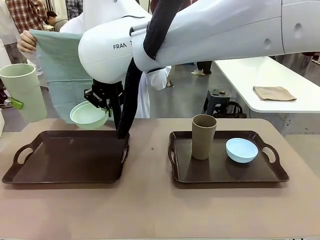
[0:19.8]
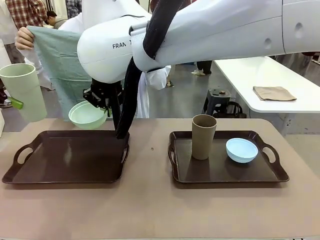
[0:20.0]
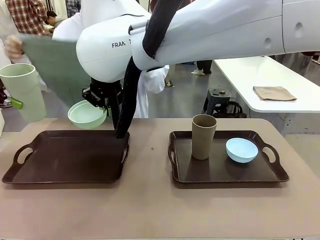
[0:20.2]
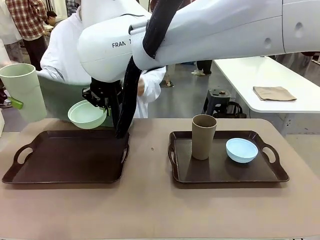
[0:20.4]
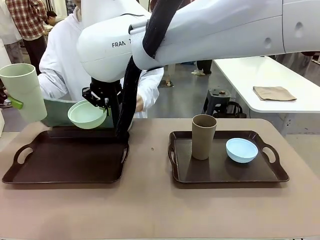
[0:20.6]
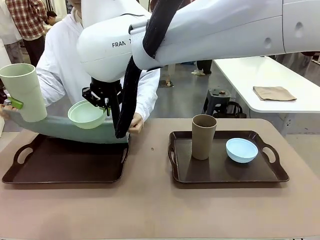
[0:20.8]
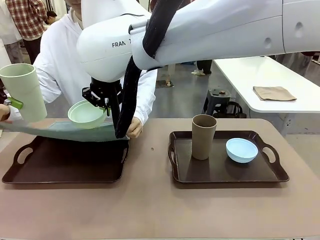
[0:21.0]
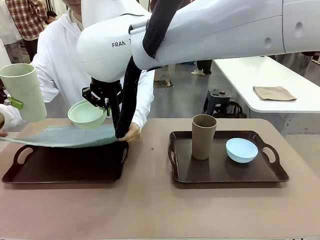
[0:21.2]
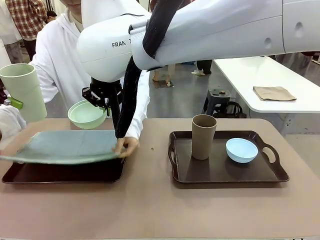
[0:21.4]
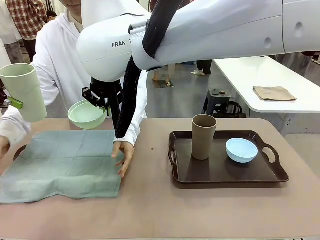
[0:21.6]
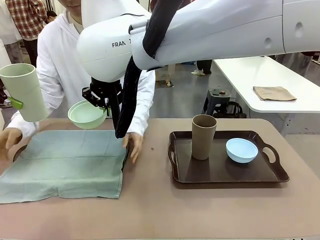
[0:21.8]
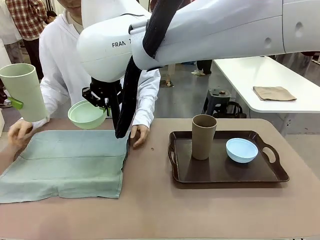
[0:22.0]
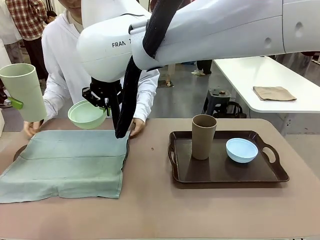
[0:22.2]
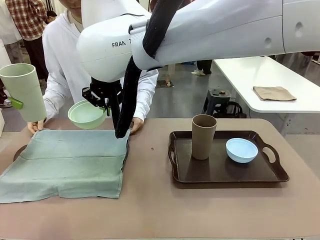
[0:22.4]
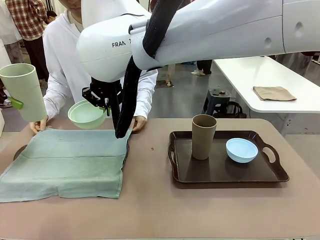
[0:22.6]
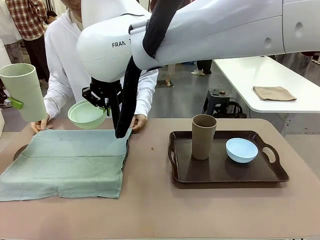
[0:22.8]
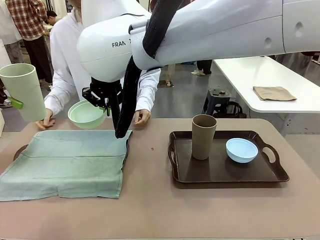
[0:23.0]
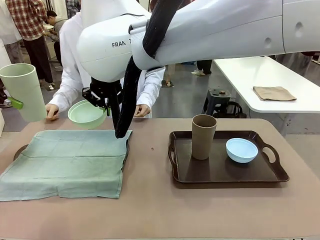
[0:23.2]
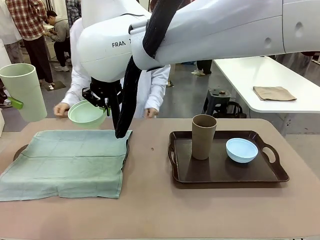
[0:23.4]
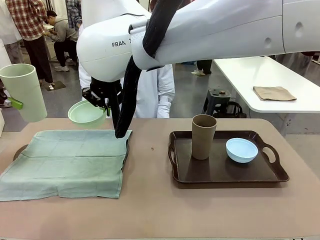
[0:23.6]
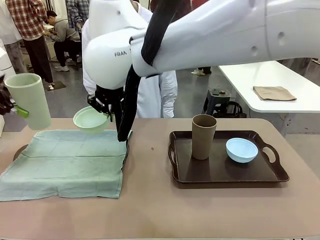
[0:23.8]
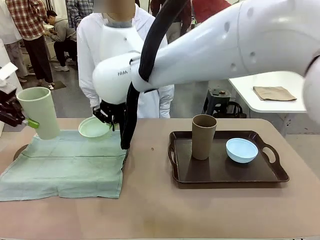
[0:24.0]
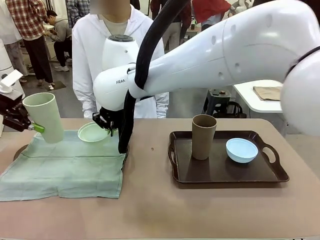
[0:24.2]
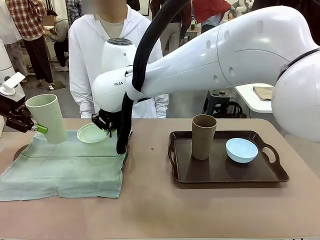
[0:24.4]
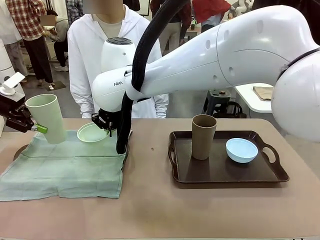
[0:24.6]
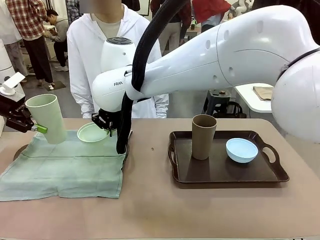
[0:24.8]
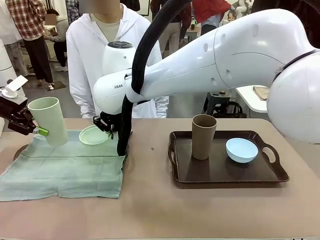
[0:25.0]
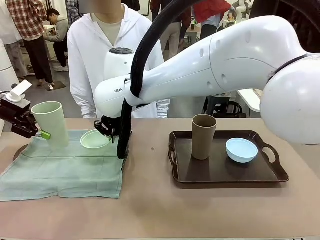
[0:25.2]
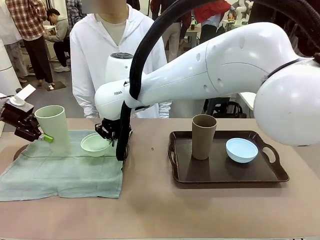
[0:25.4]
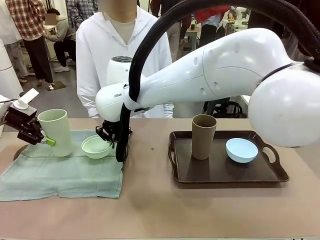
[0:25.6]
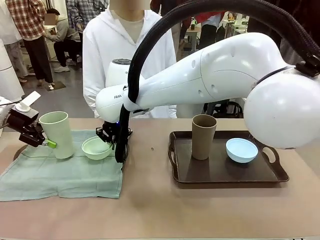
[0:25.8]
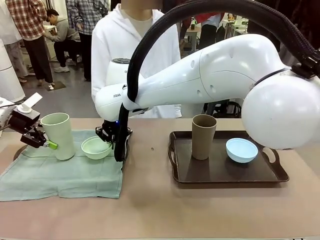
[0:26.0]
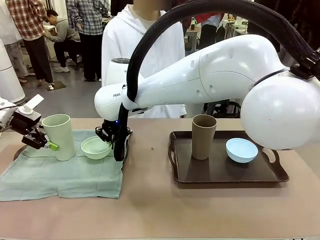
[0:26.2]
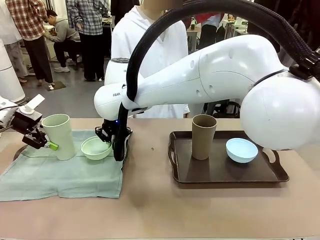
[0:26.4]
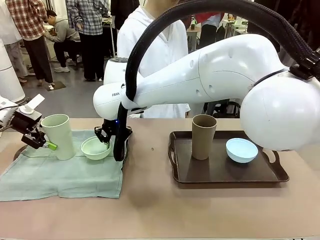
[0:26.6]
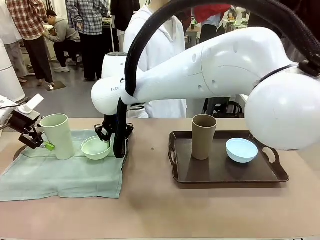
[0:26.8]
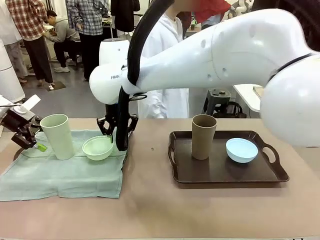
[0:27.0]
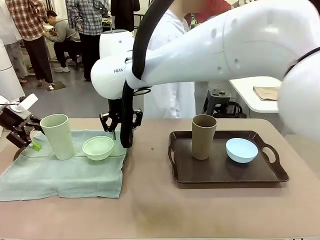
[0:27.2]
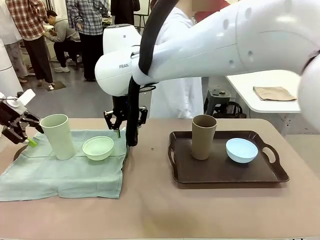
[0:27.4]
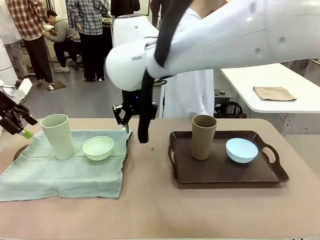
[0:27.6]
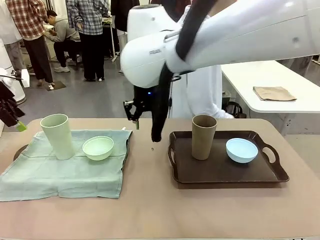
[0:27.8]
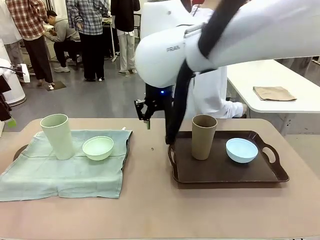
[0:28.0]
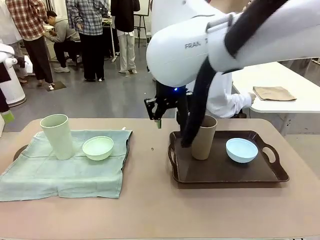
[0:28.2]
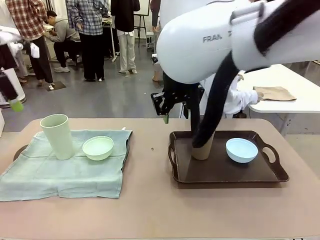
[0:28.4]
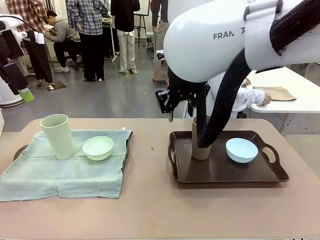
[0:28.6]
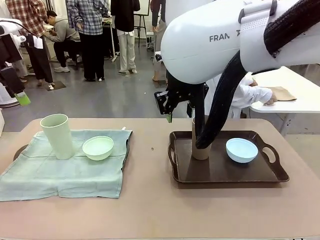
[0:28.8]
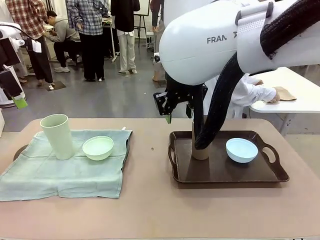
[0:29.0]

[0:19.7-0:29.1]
Robot: Place the Picnic Bowl and Reusable plastic cup back onto the Handle tray in front of the human's position.
Person: The human returns to the human table to pick up another napkin and walks to the robot table to stand in front of the tray without a napkin.

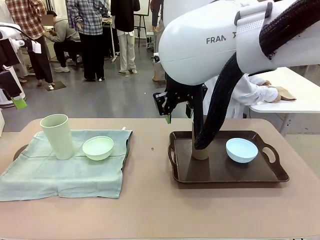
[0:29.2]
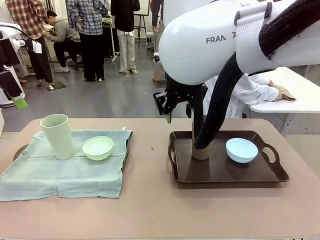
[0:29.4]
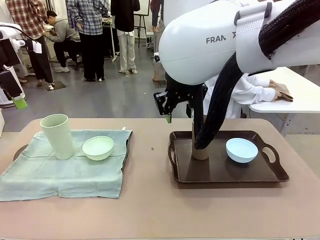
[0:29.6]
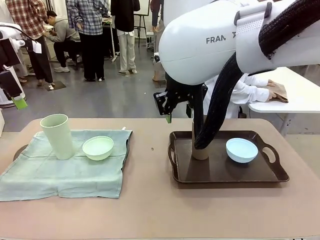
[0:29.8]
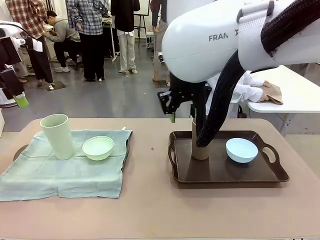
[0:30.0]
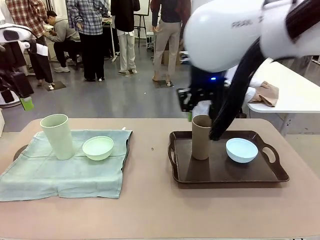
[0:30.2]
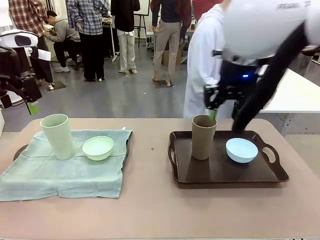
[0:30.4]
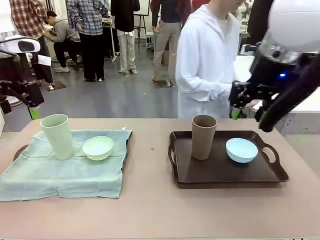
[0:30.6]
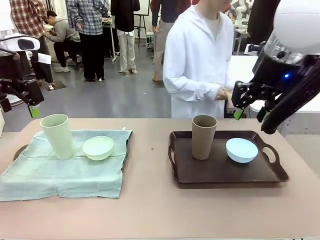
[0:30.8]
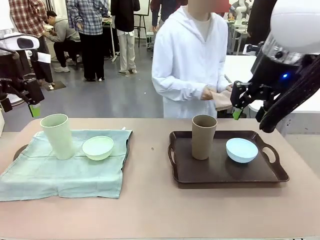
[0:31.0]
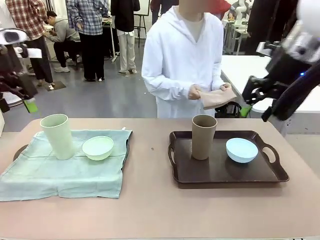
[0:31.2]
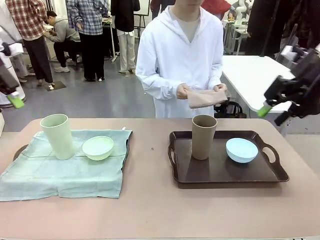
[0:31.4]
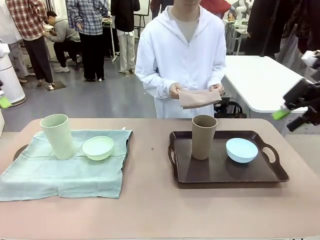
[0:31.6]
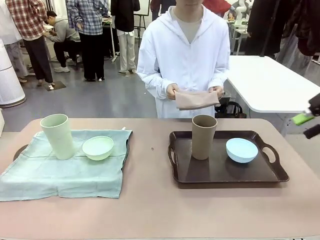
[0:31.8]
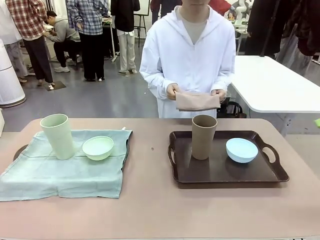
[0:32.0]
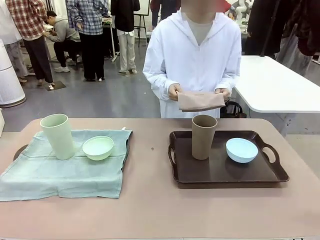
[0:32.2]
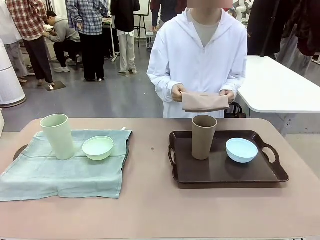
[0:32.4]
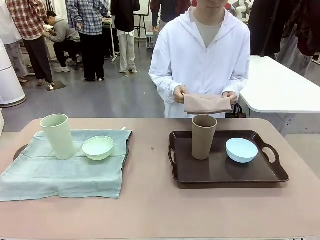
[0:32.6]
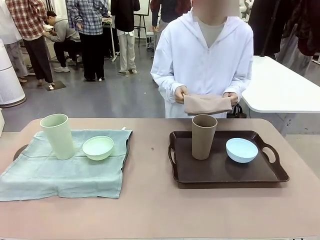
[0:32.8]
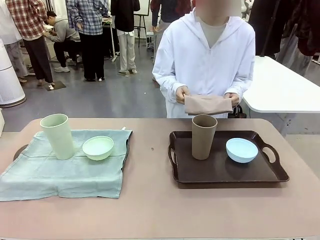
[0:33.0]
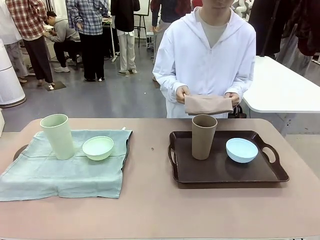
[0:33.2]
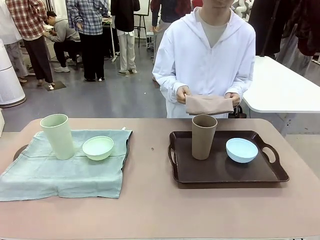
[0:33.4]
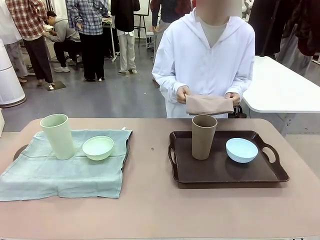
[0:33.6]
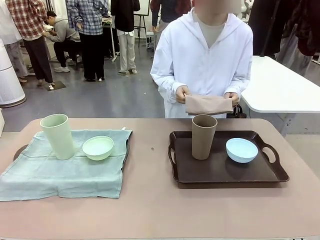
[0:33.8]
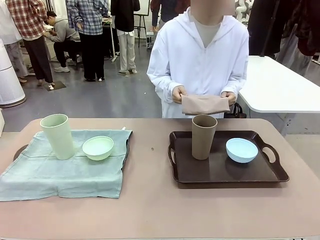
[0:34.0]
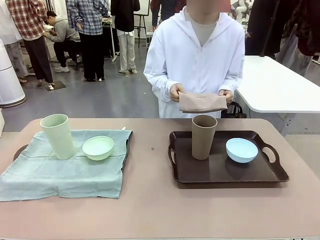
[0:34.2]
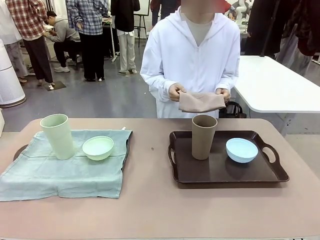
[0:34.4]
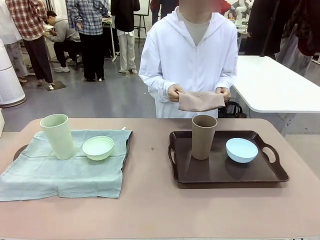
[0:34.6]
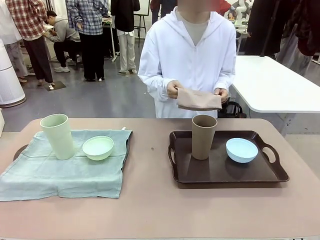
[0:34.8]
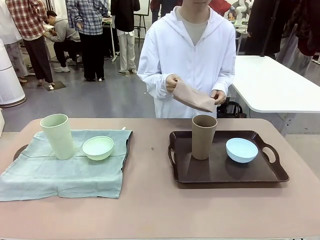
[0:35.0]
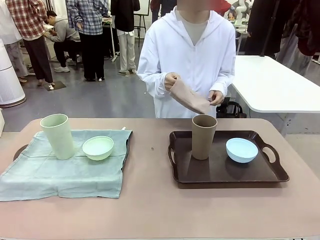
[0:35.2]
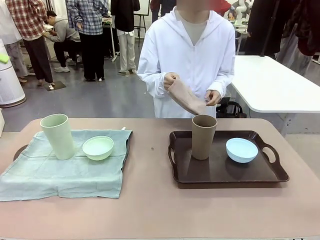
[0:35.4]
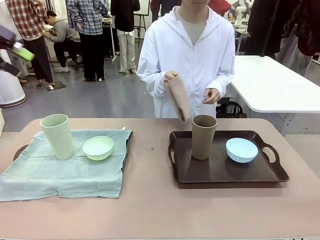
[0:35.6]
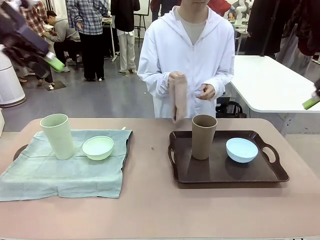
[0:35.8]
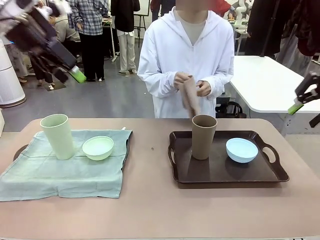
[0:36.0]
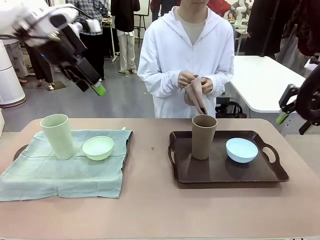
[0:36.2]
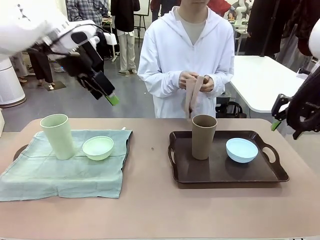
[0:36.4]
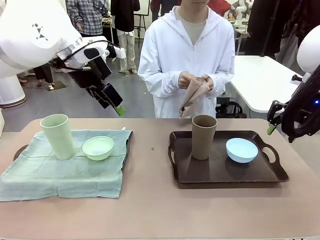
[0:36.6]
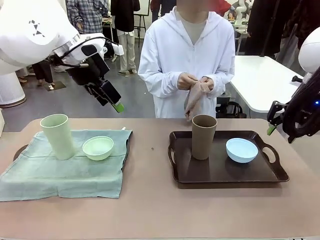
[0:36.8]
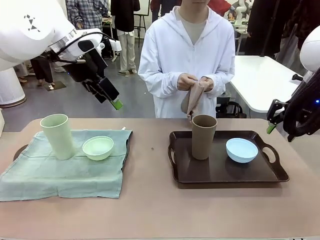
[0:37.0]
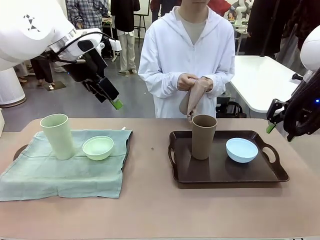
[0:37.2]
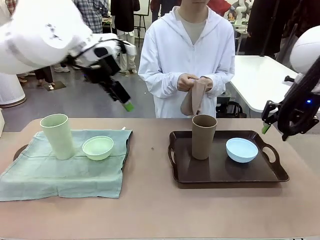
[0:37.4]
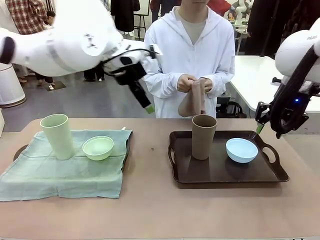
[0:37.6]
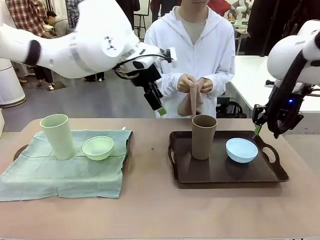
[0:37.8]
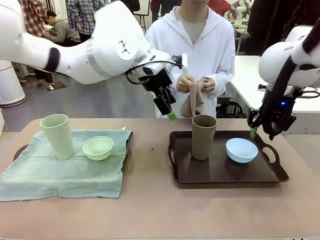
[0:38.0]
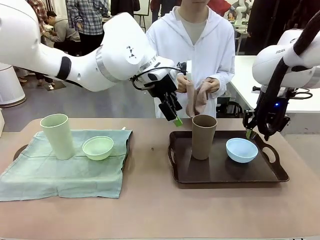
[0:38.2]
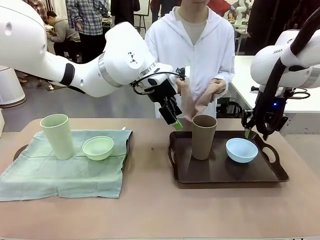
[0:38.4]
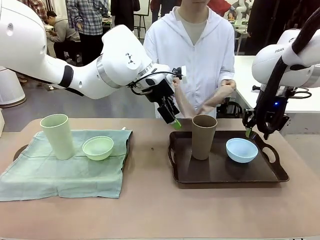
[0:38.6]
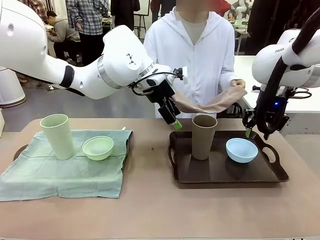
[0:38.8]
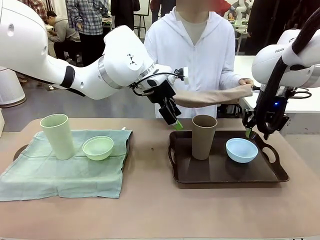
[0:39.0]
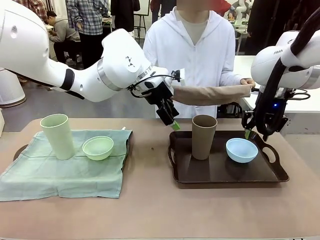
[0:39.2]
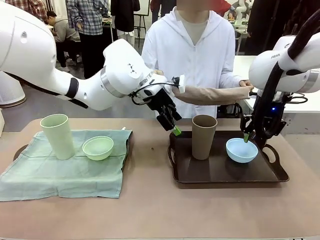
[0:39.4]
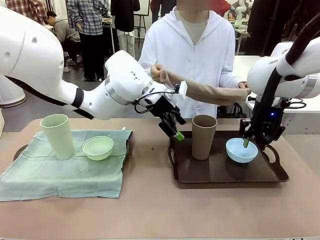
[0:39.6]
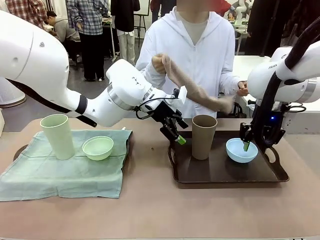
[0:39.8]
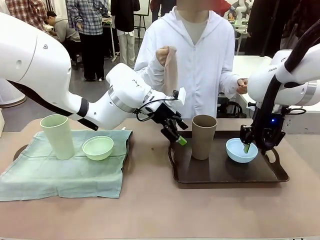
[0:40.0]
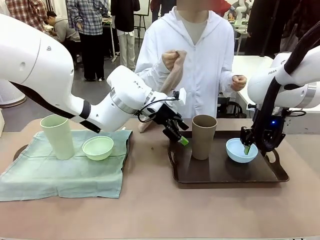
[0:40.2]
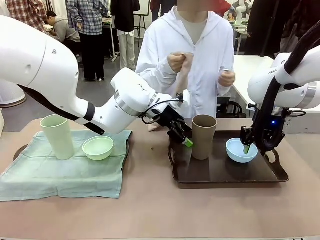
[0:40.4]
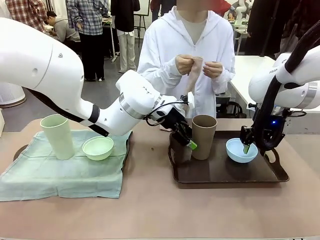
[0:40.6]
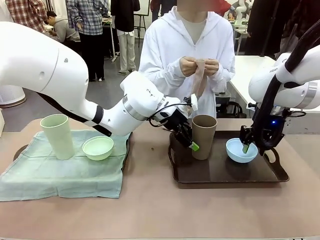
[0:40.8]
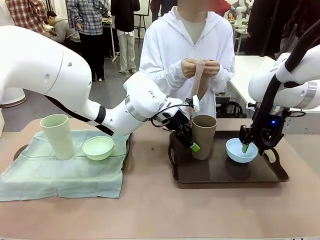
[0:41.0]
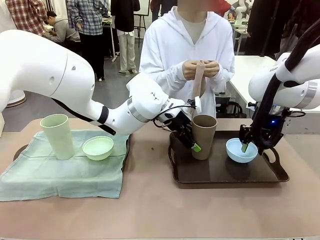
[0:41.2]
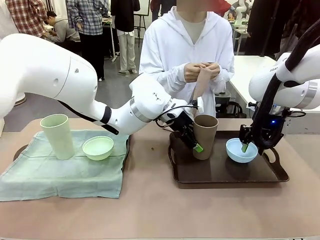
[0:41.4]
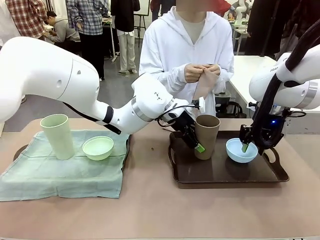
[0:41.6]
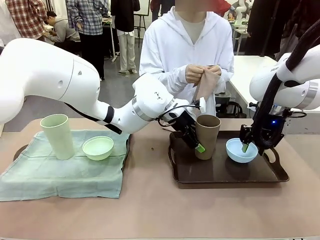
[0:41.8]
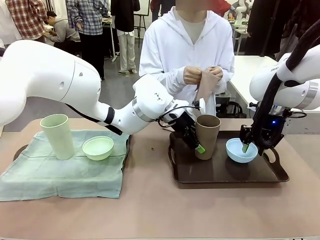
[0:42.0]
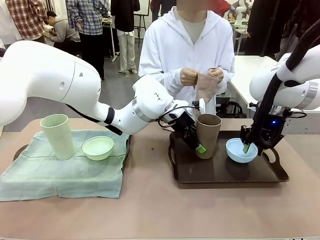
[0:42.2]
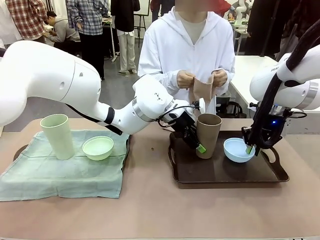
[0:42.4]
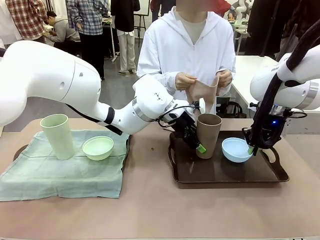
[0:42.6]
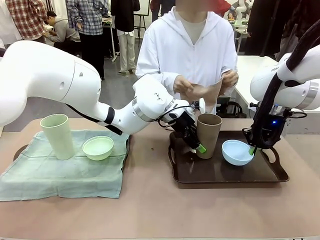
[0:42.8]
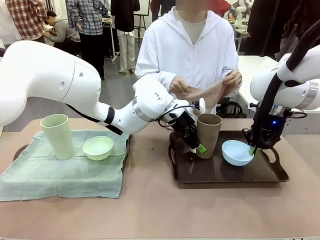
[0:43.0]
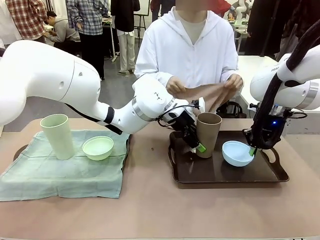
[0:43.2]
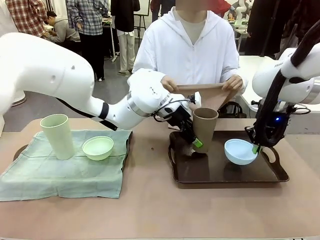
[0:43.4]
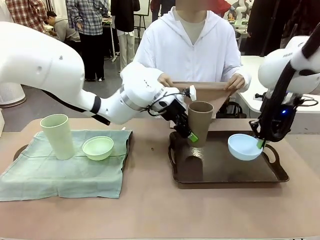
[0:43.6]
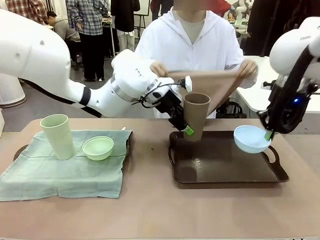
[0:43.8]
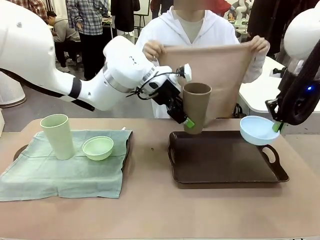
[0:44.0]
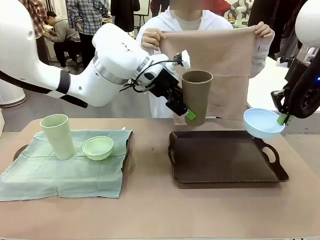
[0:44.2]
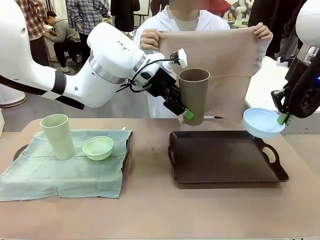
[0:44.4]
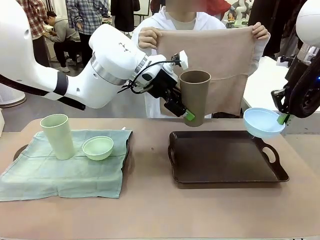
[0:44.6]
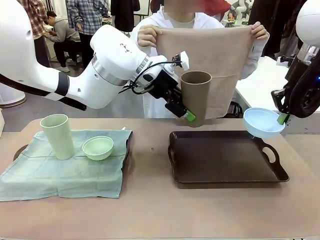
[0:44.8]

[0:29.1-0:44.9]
Robot: Pick up the Picnic Bowl and Reusable plastic cup from the Handle tray in front of the human's position and hold them in the air.
